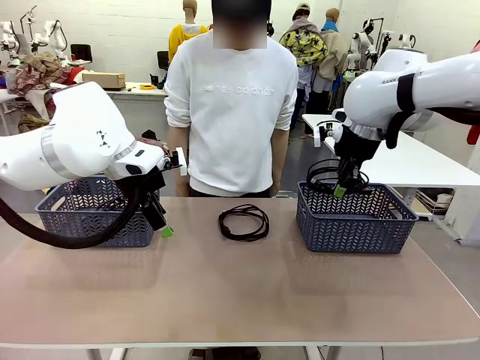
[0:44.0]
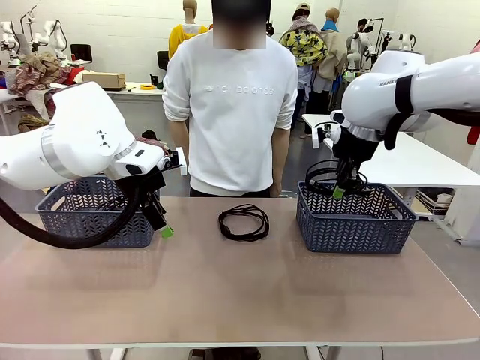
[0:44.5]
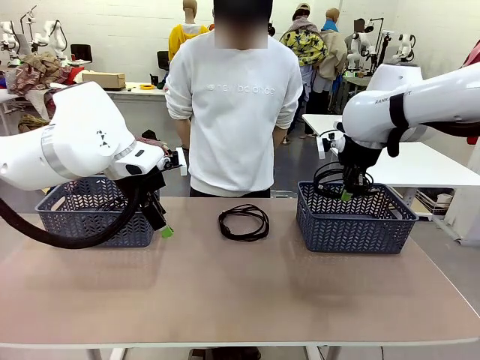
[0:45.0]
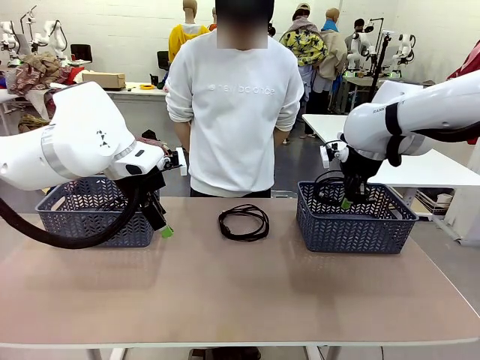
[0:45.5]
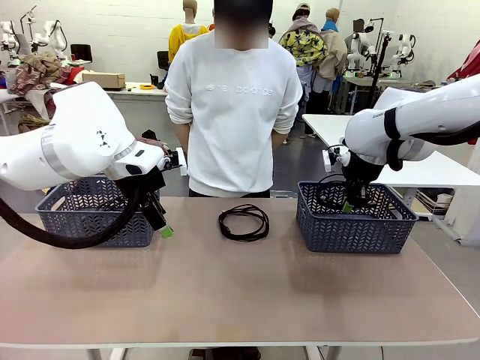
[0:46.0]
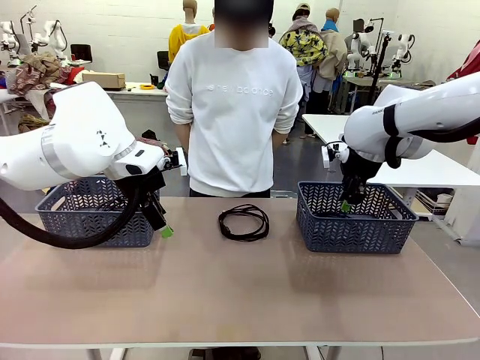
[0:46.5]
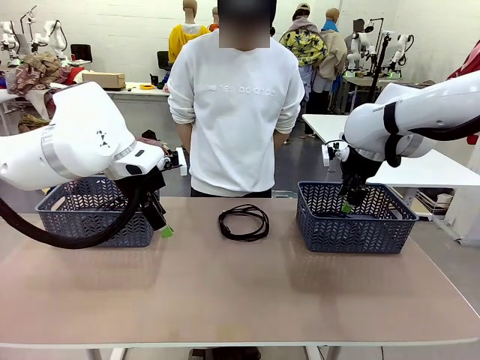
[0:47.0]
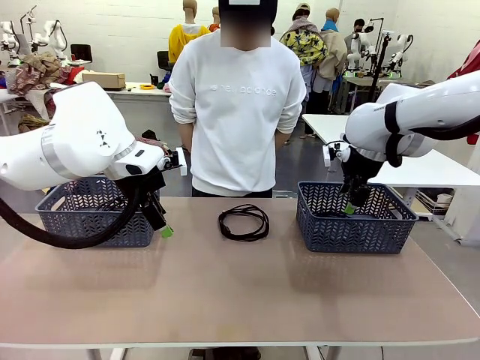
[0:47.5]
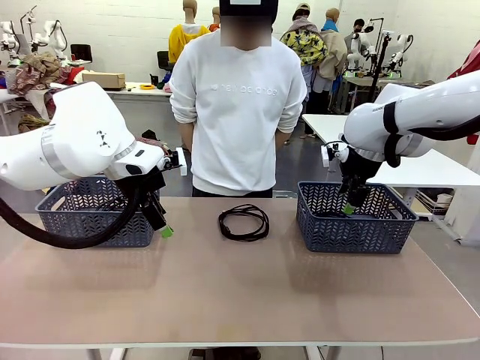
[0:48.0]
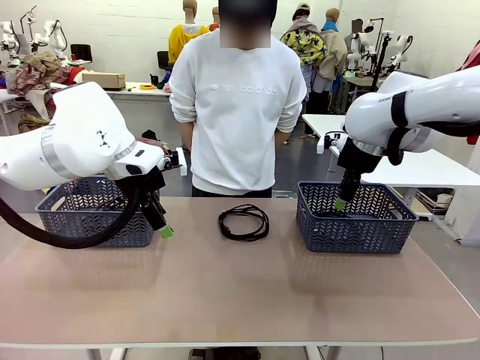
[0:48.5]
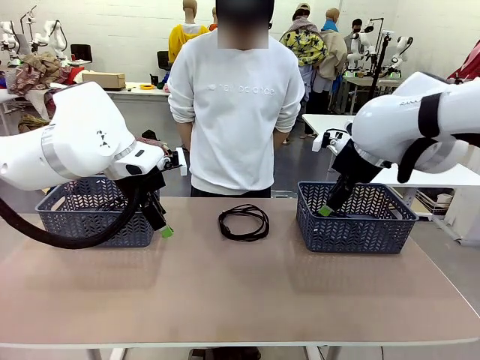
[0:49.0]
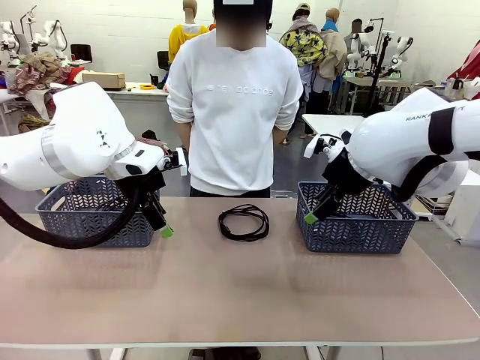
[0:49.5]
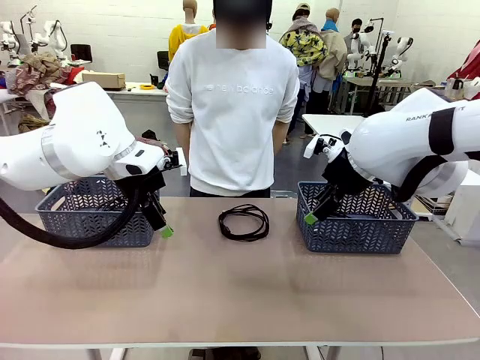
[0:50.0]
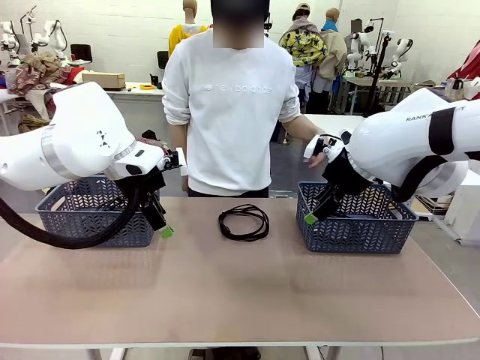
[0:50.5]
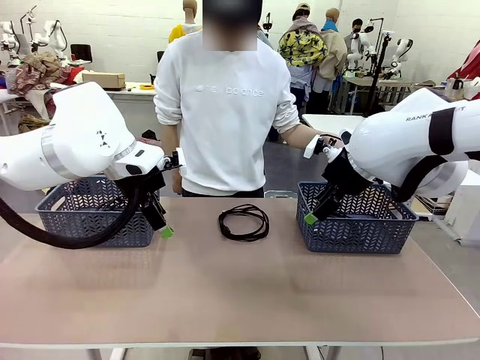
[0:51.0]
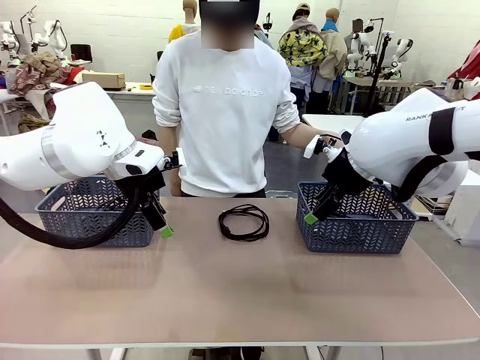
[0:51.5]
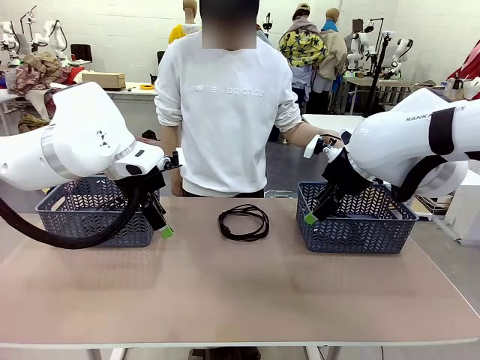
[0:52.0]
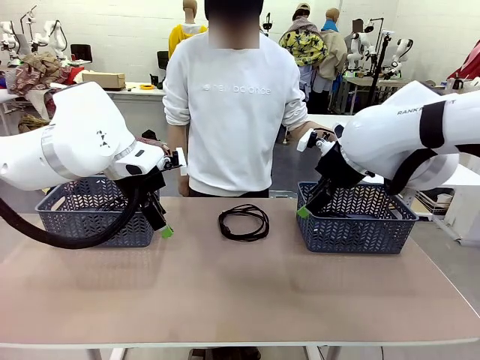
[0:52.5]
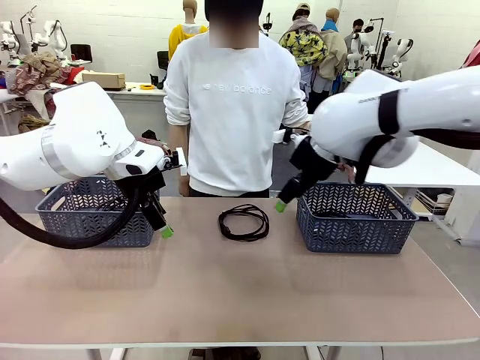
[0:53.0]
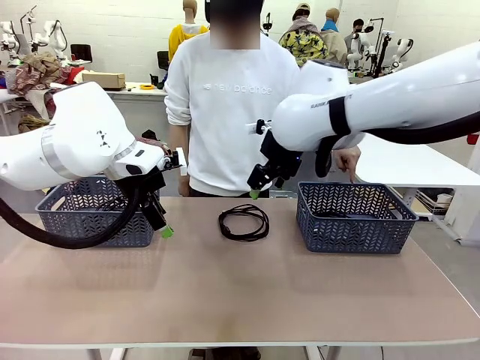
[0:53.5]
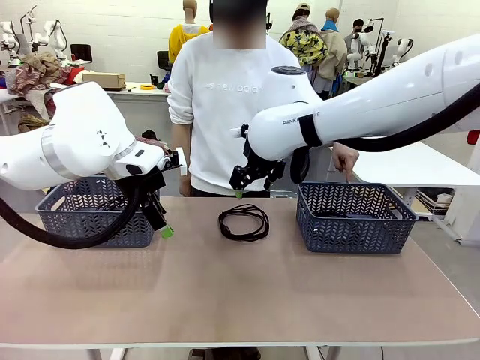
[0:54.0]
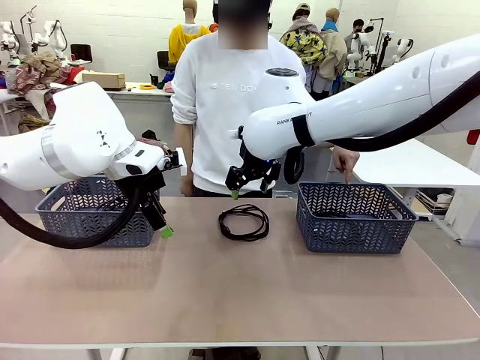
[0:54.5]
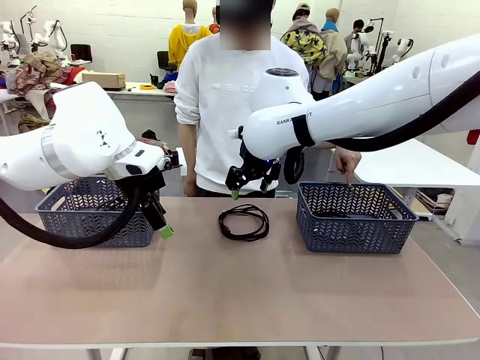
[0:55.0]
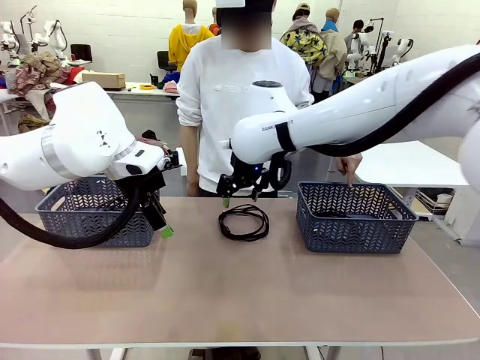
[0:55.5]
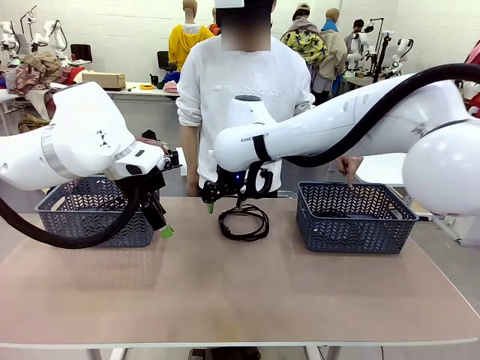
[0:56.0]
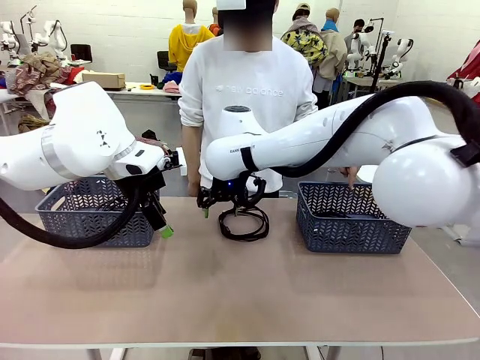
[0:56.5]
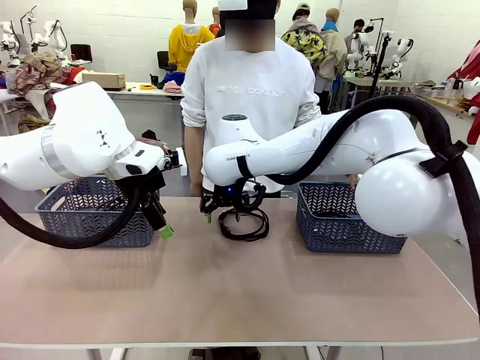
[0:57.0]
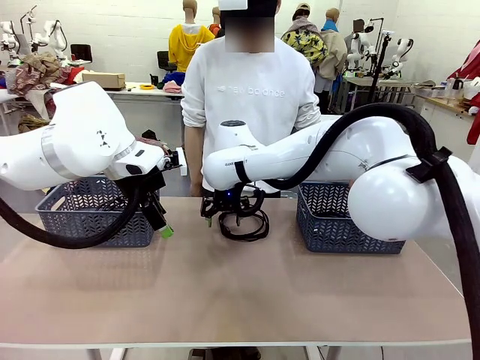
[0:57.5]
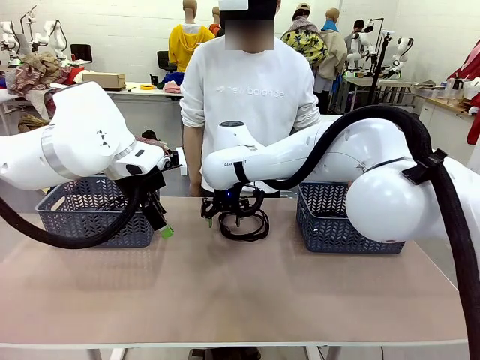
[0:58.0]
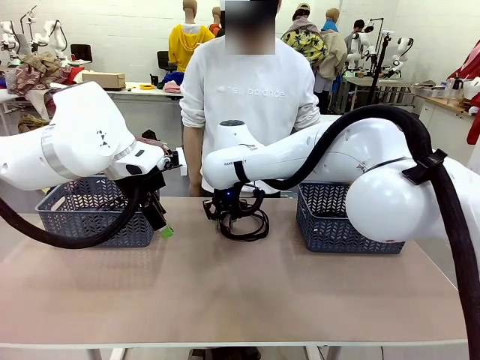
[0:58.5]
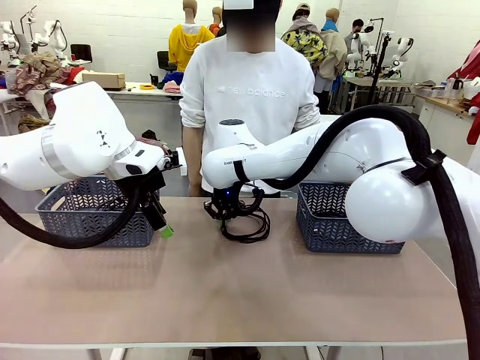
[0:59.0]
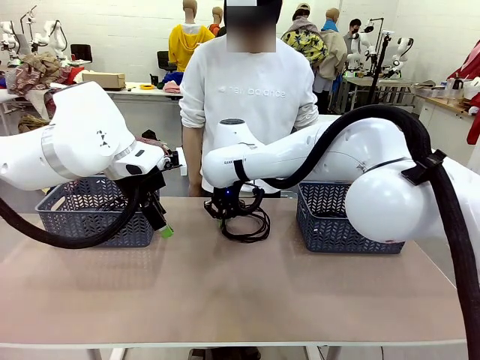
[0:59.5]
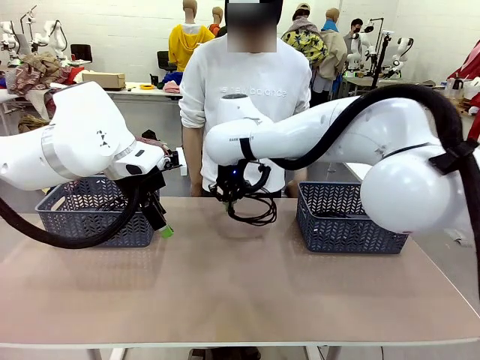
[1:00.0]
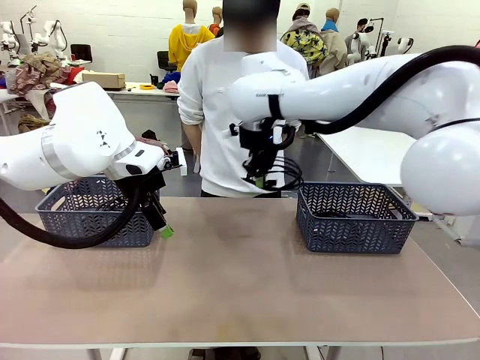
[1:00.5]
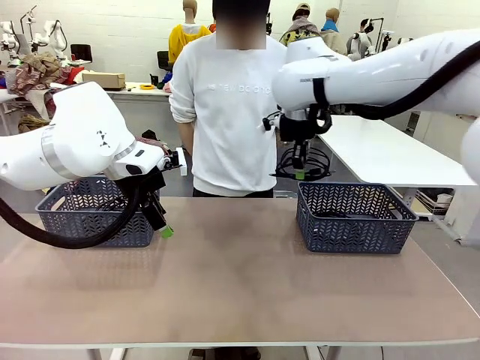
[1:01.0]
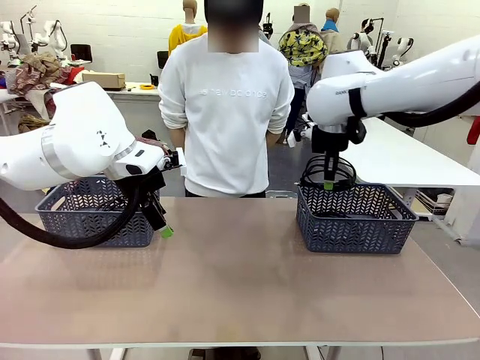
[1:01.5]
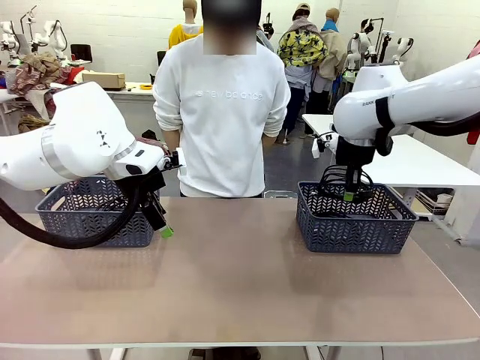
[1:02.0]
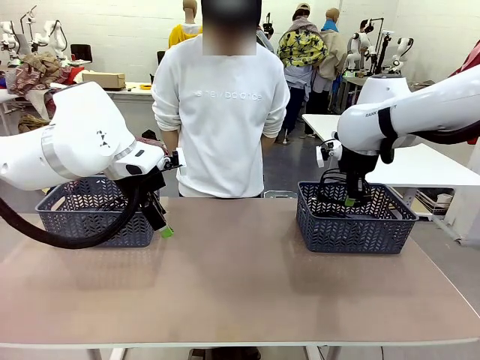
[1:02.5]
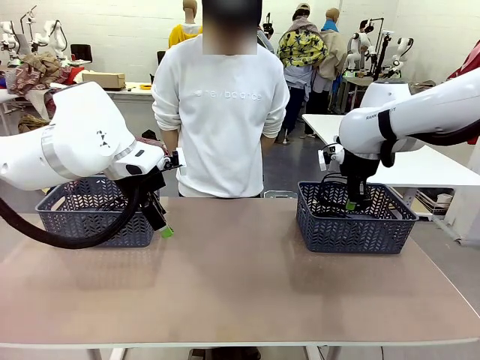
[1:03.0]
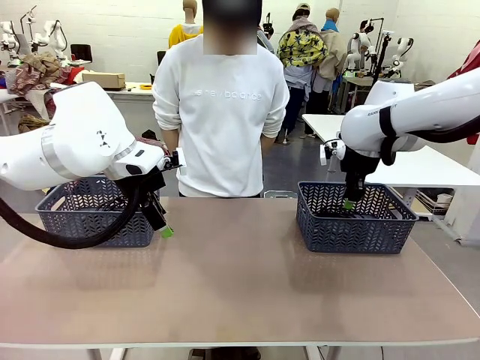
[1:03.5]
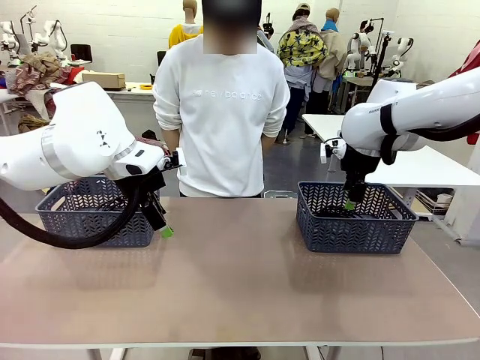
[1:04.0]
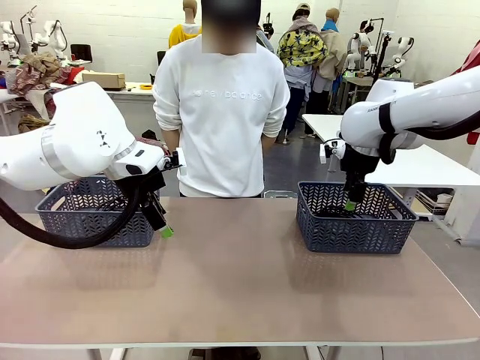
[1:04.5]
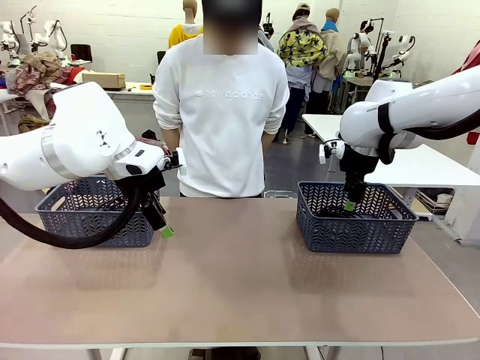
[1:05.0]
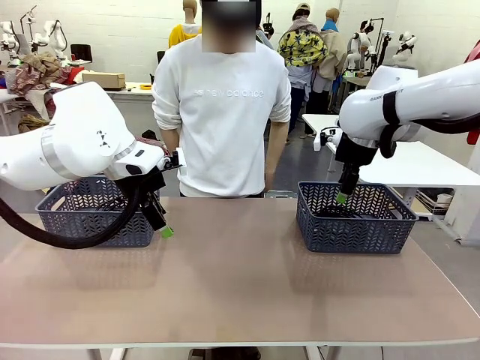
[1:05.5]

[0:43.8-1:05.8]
Task: Organize the cables according to human instructions.
Robot: Pick up a bundle of cables and place it in the basket indicated by the human.
